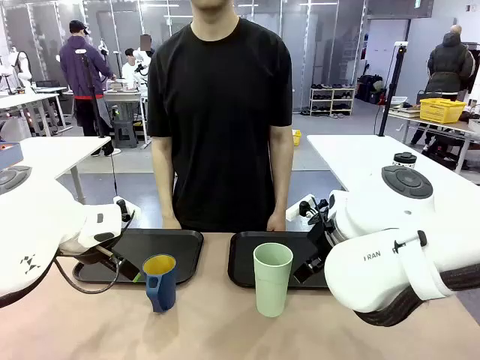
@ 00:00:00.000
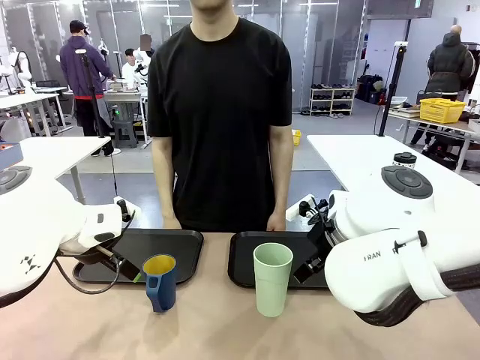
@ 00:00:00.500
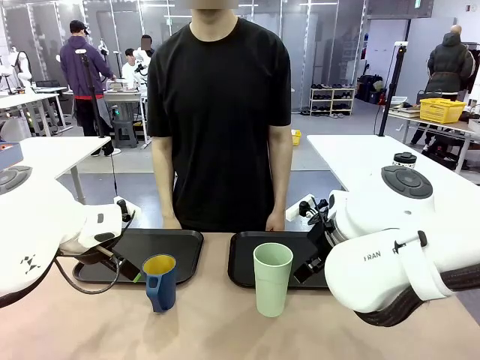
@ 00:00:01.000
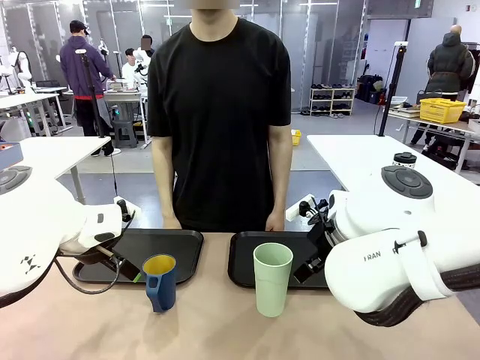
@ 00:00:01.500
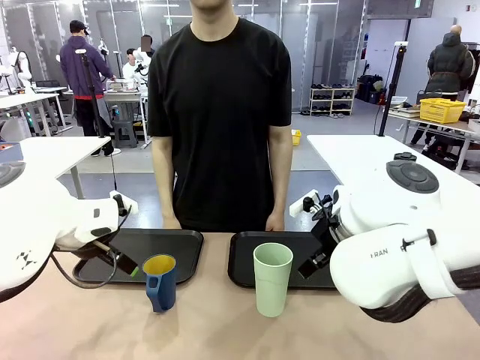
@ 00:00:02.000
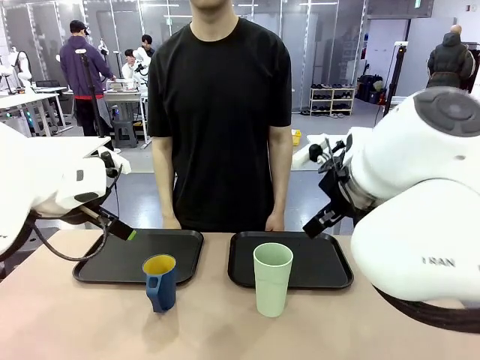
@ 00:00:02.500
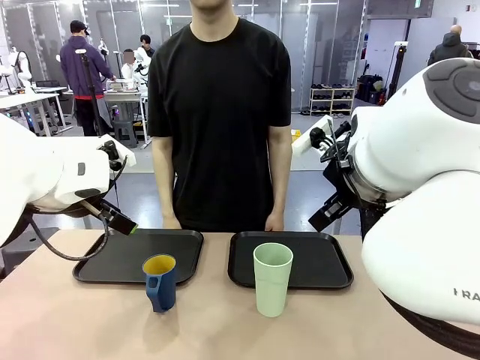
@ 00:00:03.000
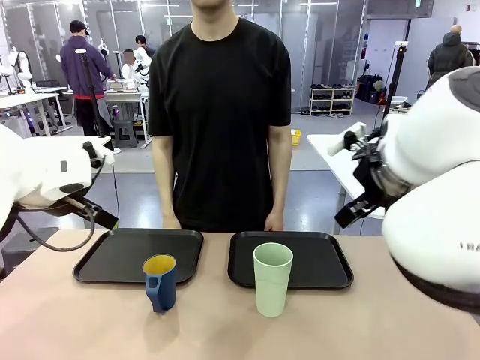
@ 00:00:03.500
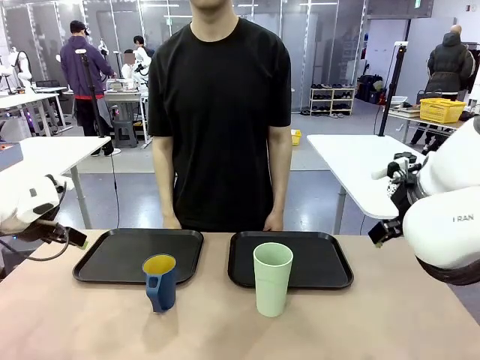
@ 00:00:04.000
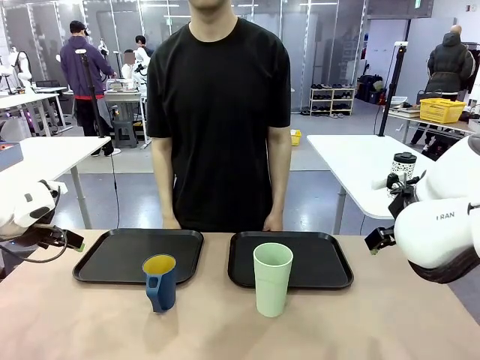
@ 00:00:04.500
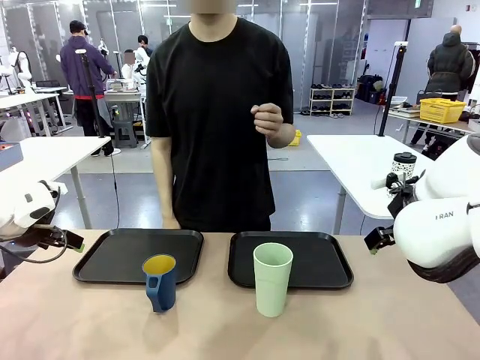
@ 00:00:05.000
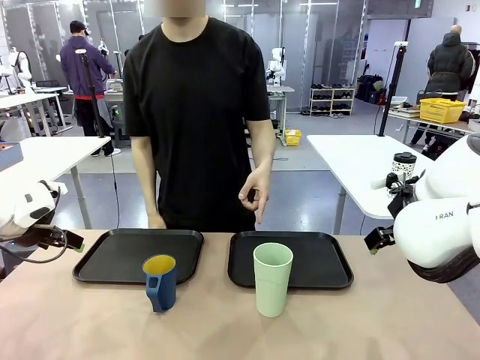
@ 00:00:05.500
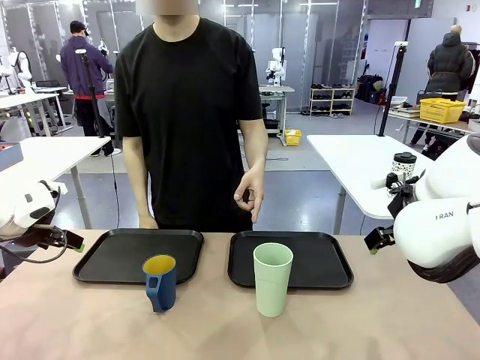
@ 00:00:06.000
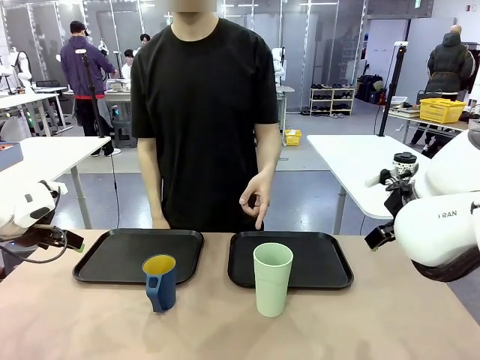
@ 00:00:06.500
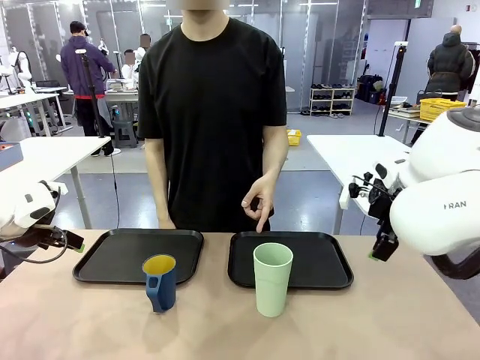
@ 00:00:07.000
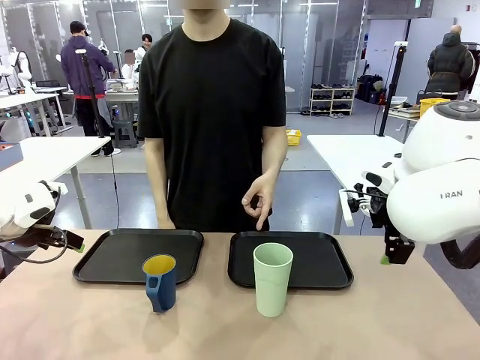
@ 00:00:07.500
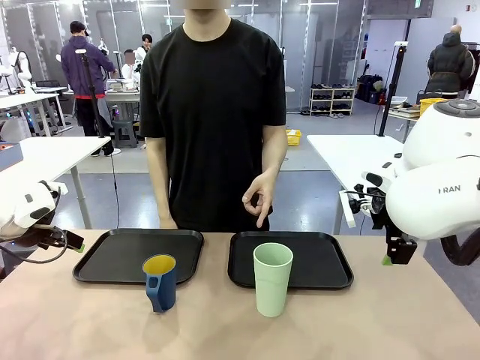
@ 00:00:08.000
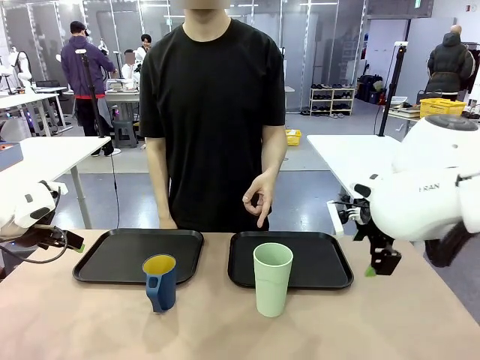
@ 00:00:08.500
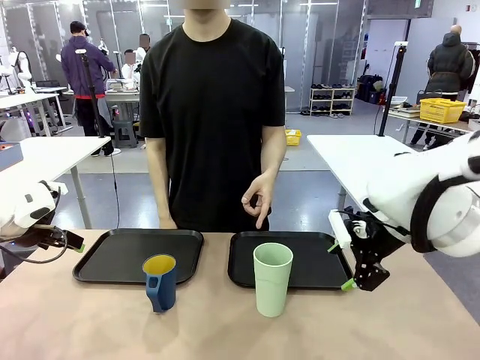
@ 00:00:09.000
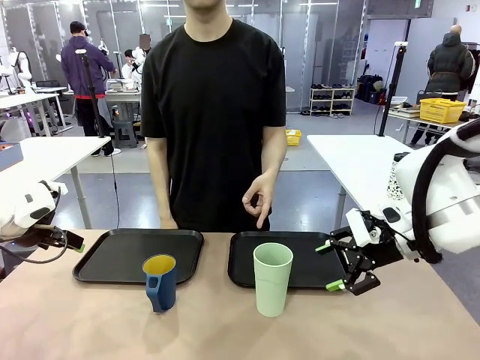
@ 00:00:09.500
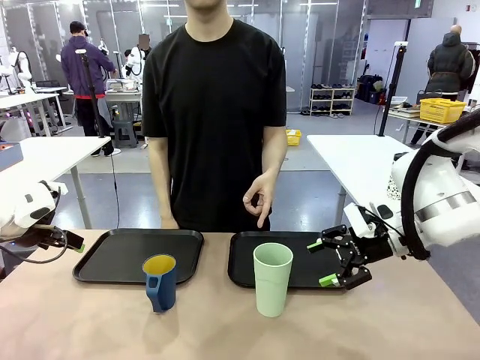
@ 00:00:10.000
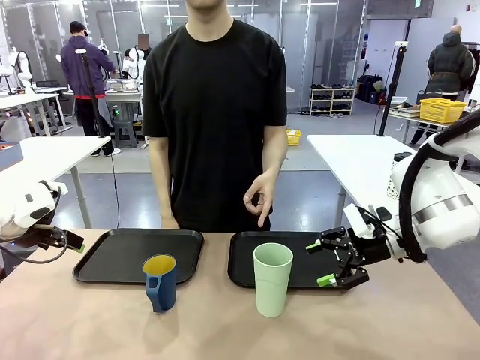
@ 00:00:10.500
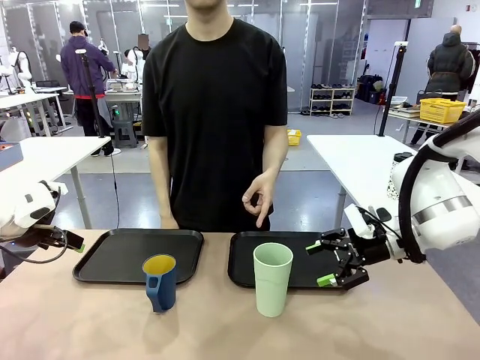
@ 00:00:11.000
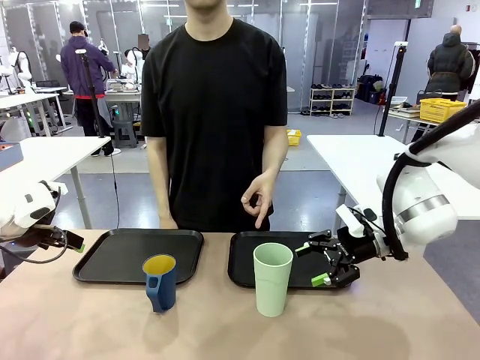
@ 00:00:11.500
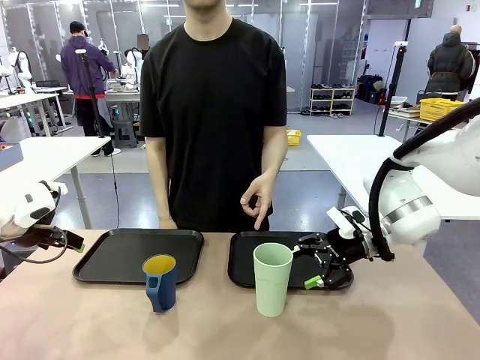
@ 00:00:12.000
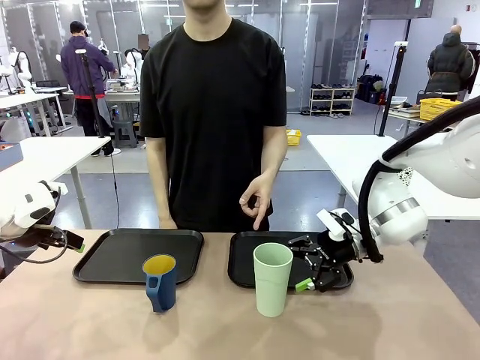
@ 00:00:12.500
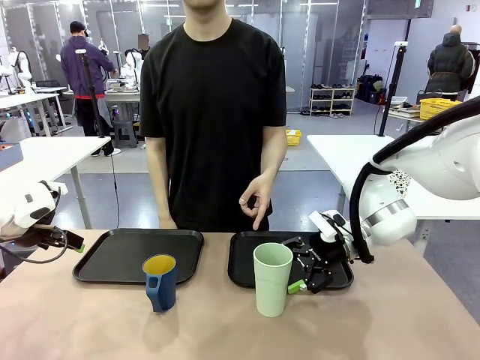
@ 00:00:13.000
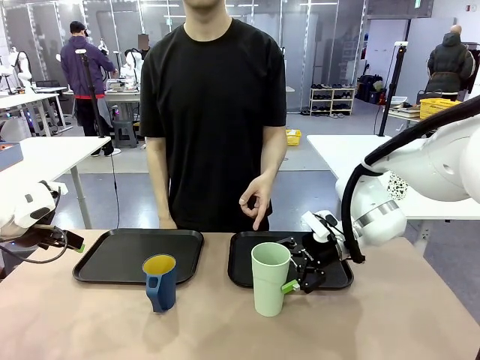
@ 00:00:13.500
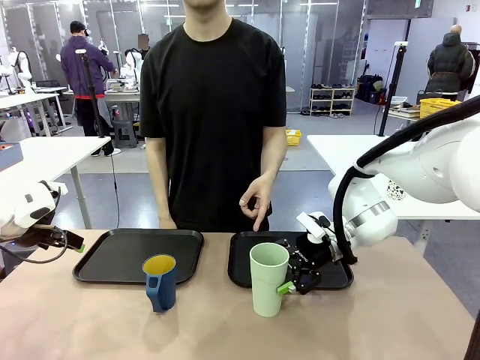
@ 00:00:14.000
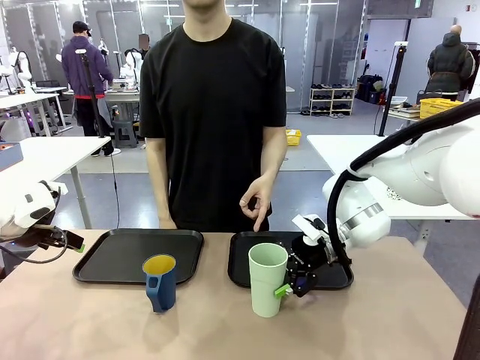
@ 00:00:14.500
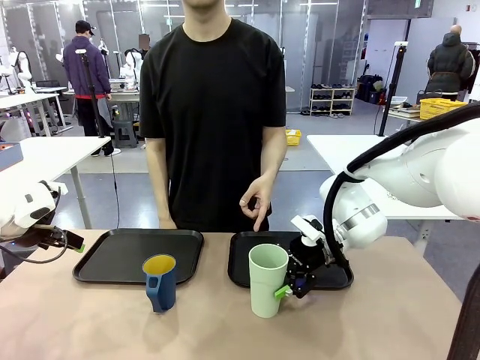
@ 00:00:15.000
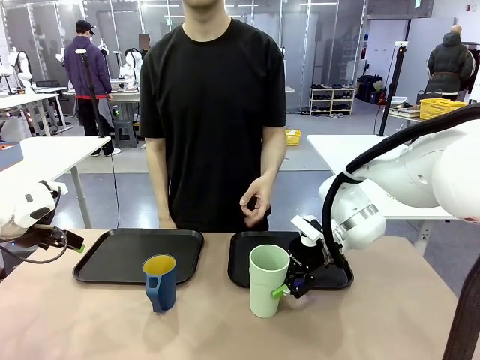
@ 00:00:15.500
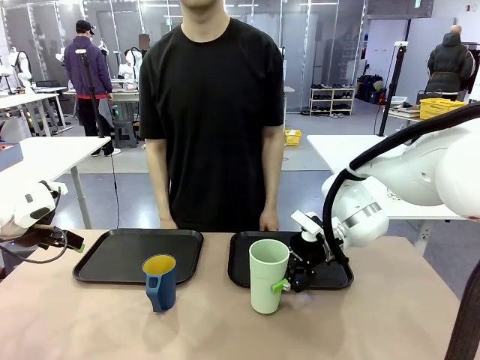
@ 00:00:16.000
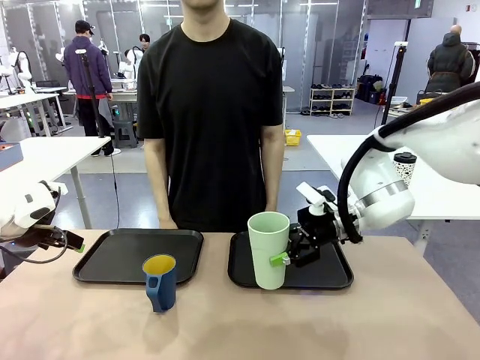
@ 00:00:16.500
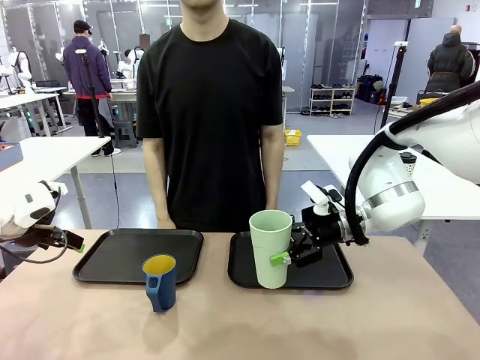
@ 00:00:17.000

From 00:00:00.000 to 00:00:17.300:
Task: Sort and store the cups by type.
Robot: Pick up the Reusable plastic cup.
Person: Points to the reusable cup. Point to one of the two trays.

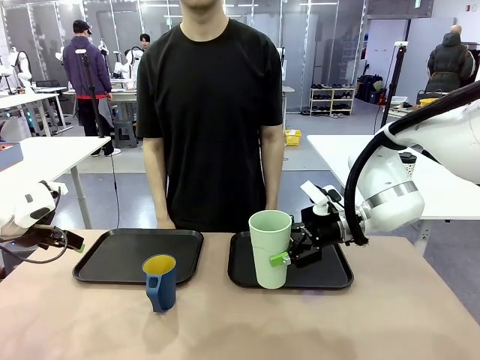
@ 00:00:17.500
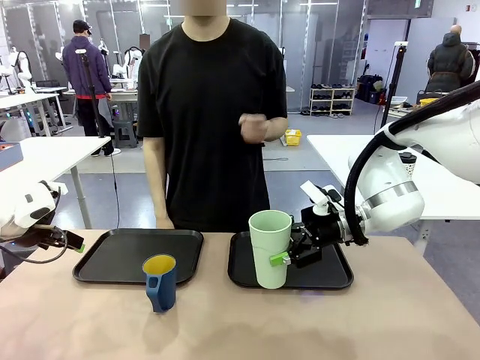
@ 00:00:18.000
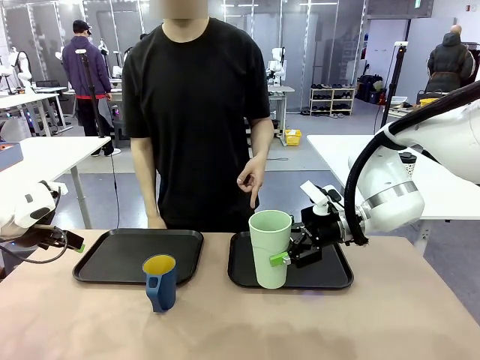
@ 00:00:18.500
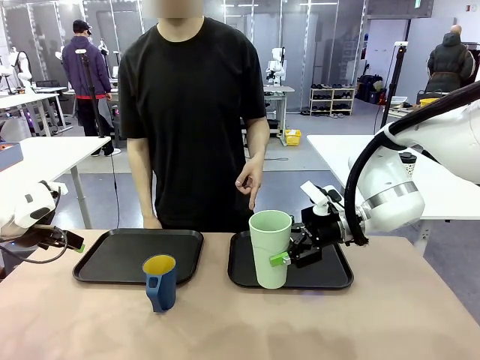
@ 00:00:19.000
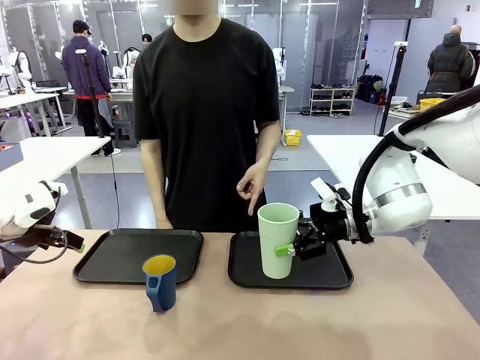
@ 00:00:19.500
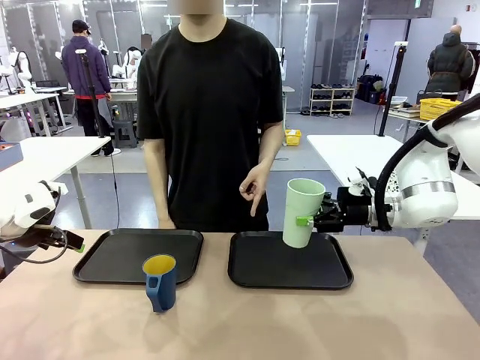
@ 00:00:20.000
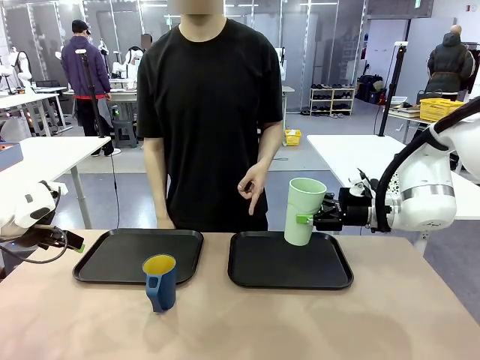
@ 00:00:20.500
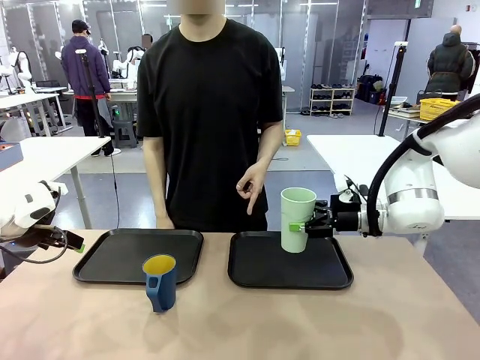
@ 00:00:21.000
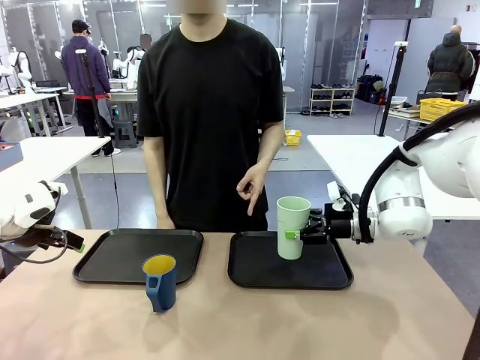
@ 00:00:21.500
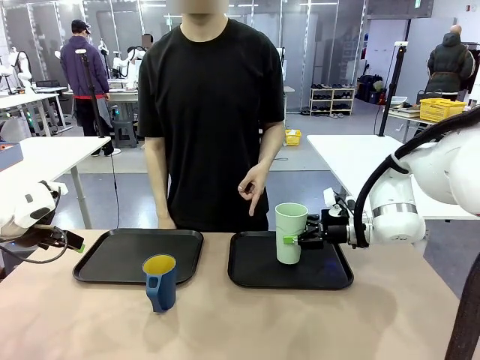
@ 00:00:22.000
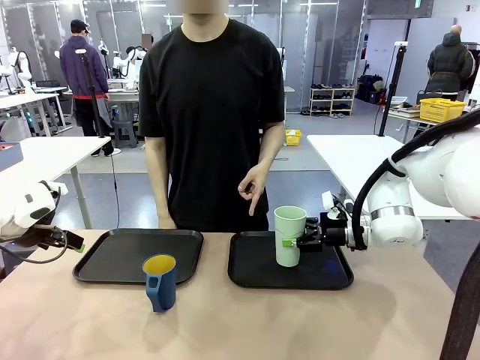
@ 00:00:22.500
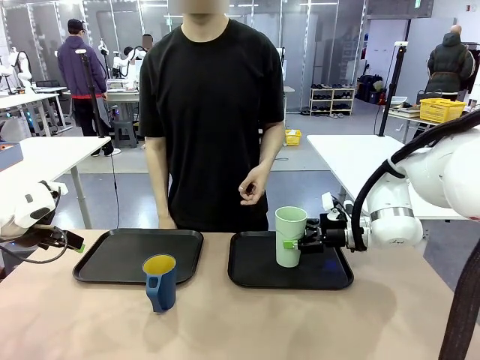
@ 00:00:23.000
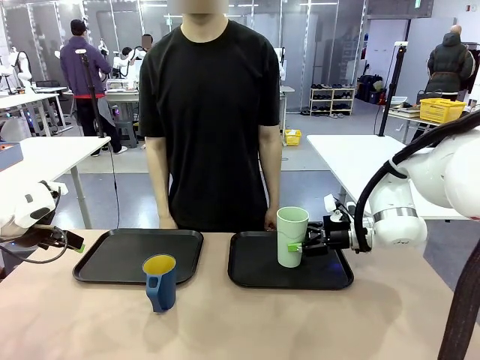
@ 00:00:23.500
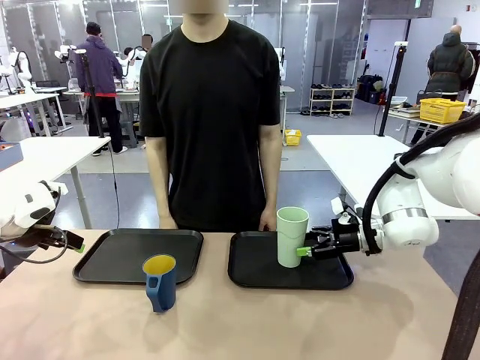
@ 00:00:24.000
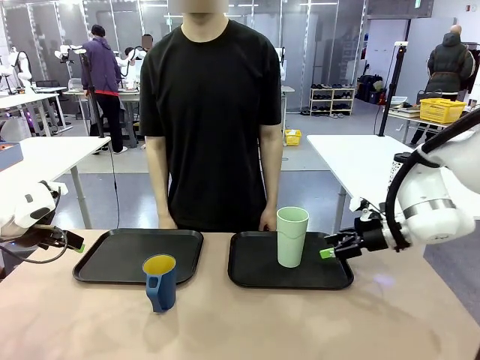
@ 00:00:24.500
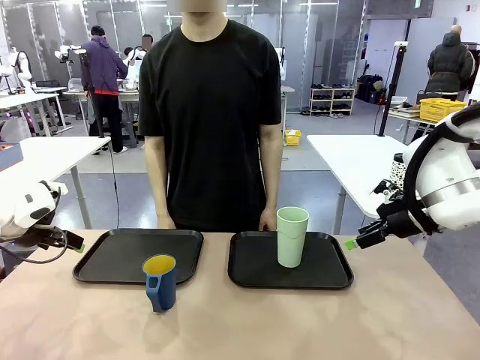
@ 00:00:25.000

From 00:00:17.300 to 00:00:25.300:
Robot: Place the picked Reusable plastic cup into the Flat Tray indicated by the person.
